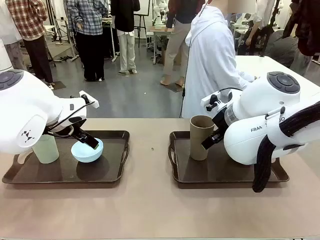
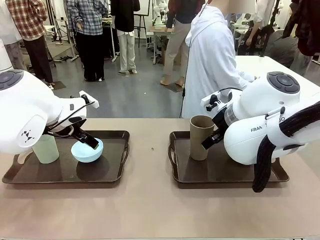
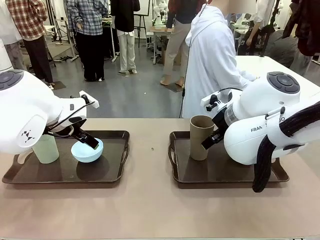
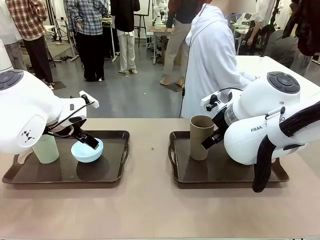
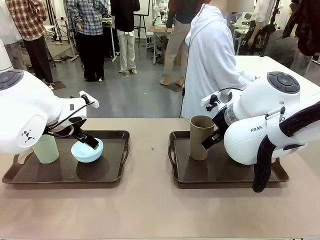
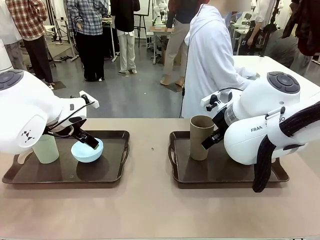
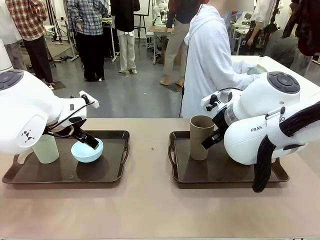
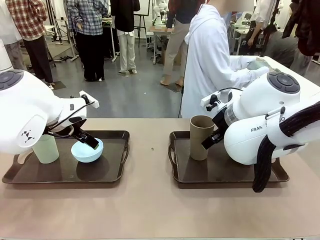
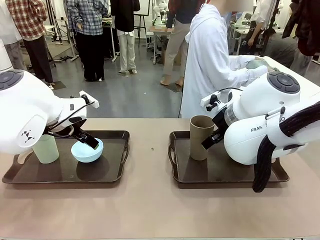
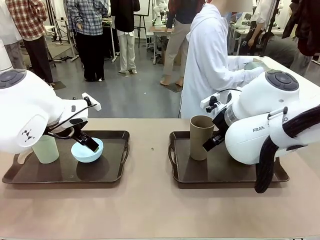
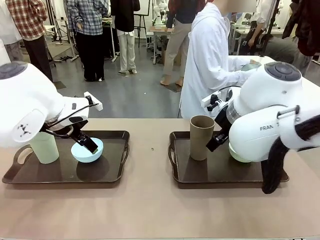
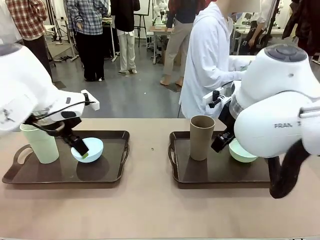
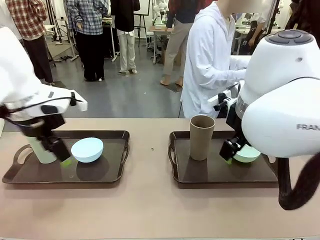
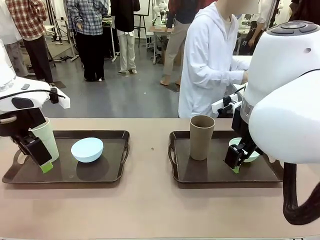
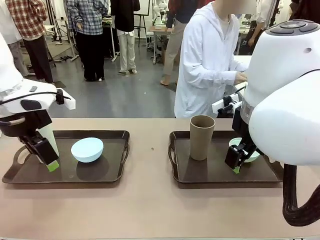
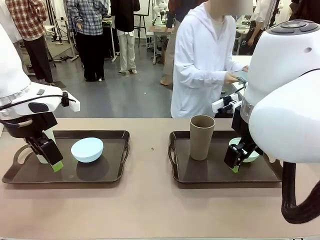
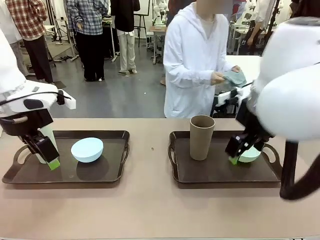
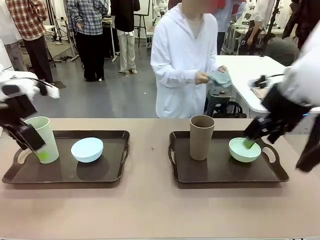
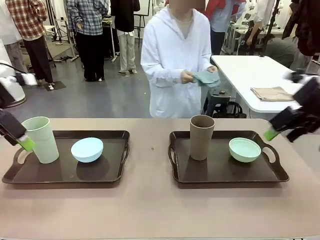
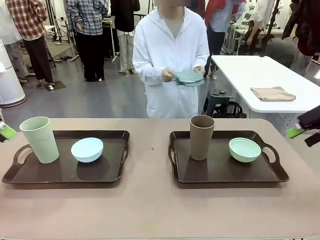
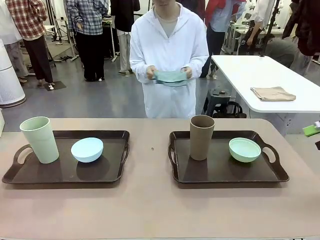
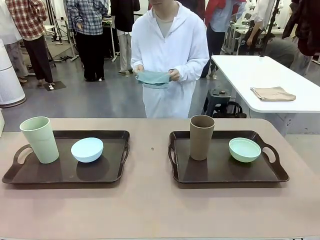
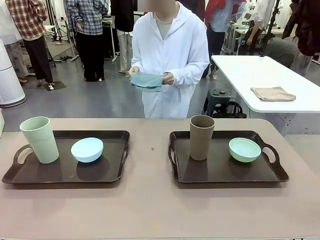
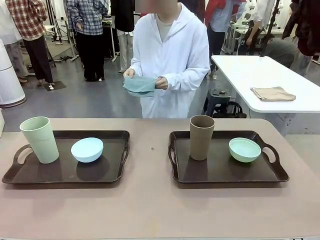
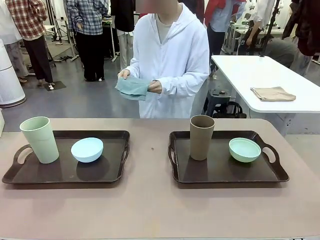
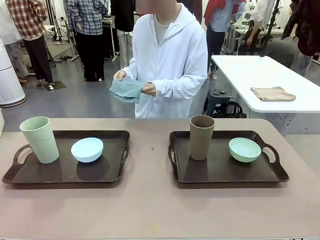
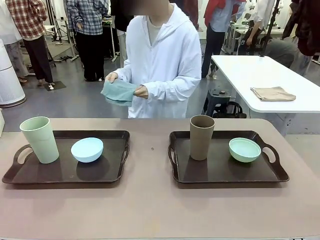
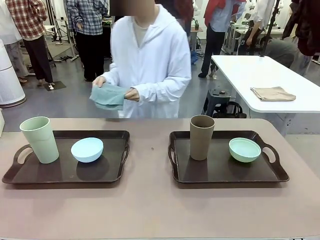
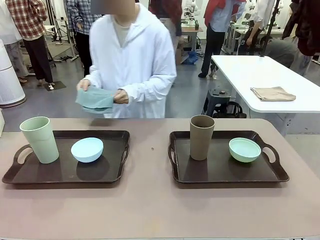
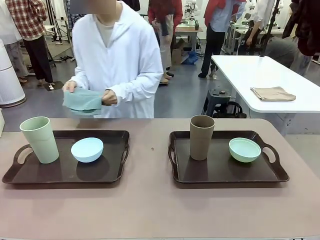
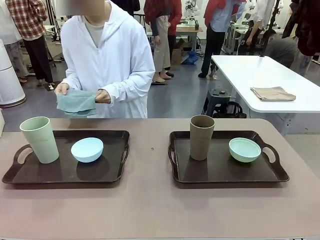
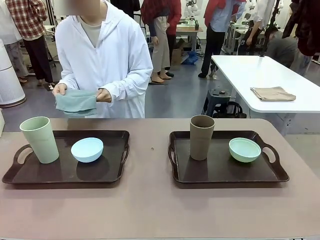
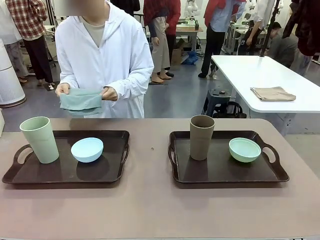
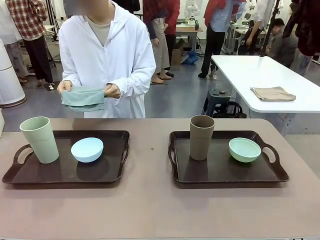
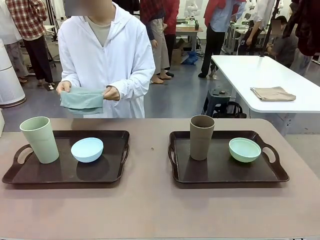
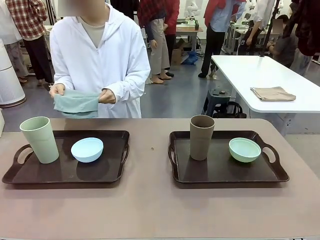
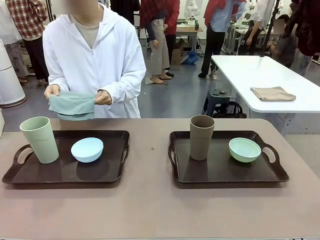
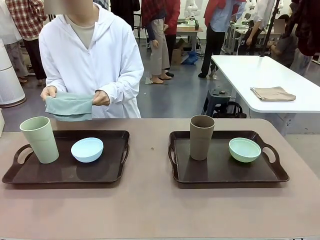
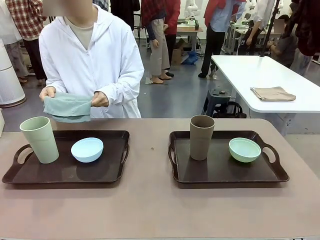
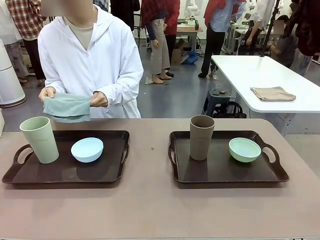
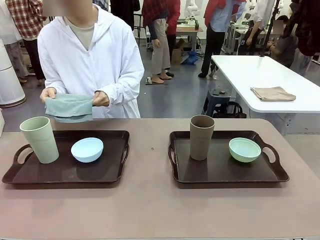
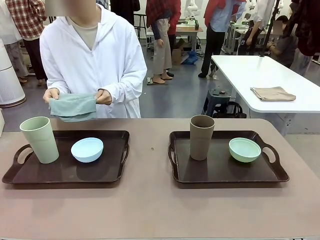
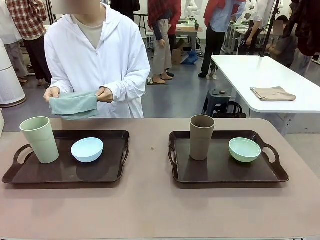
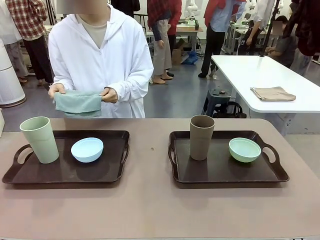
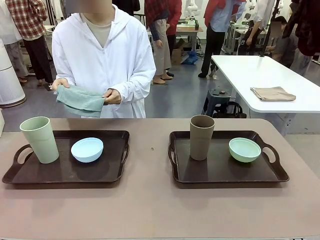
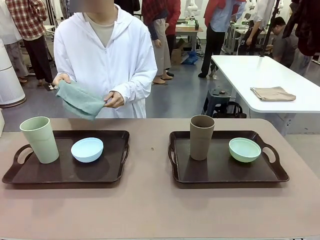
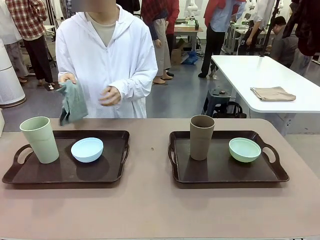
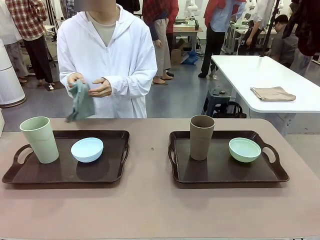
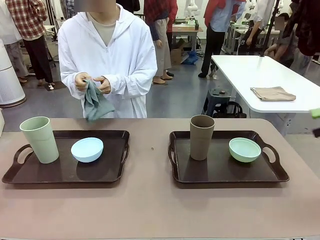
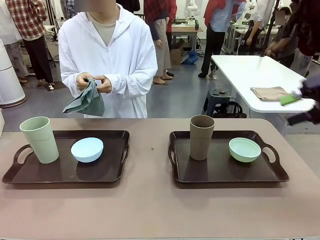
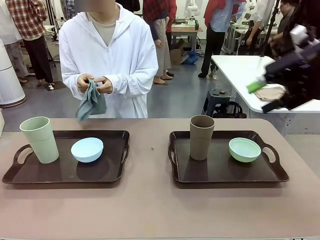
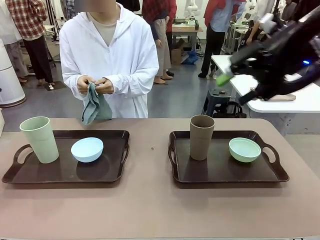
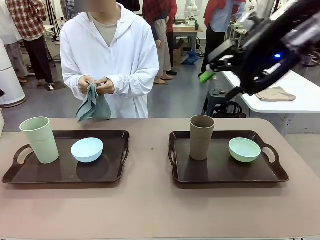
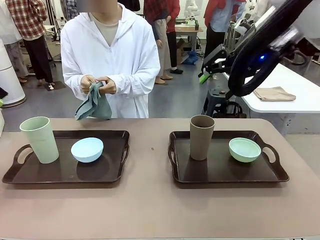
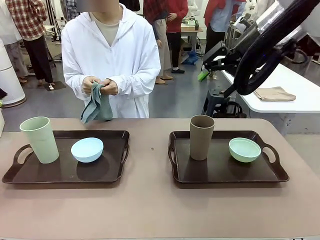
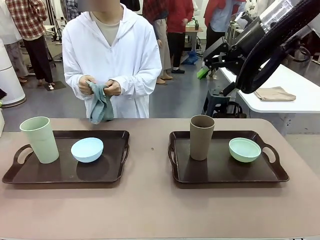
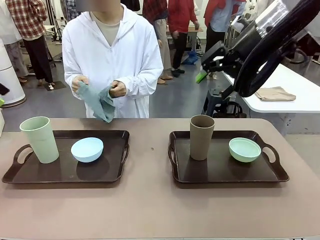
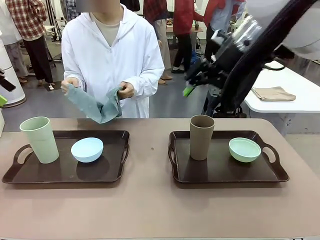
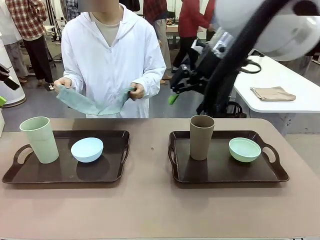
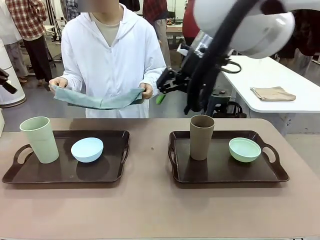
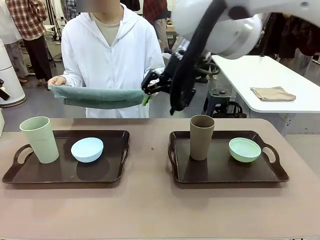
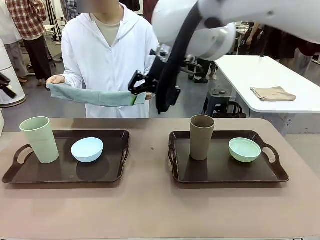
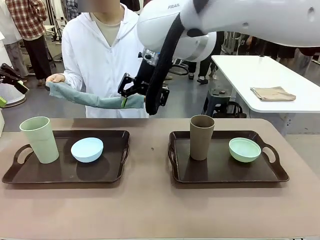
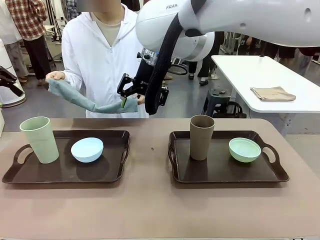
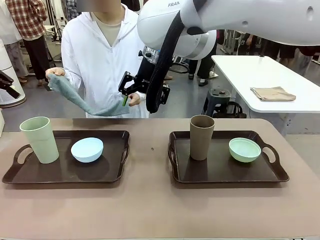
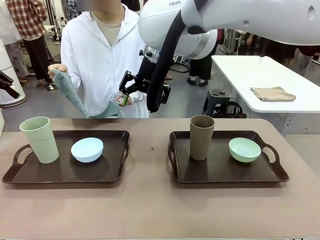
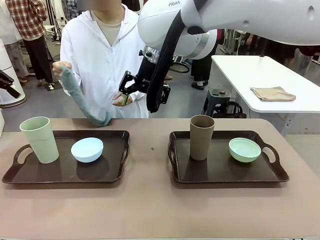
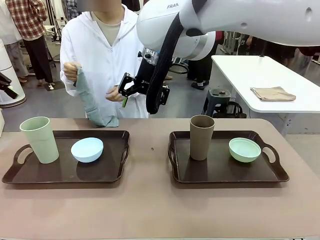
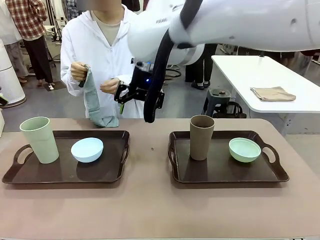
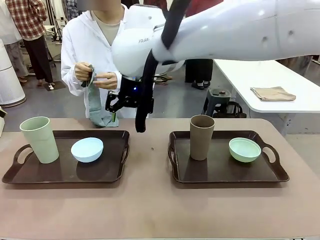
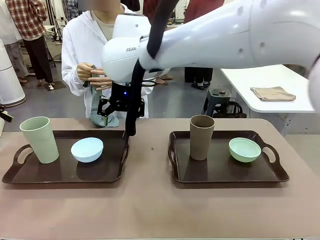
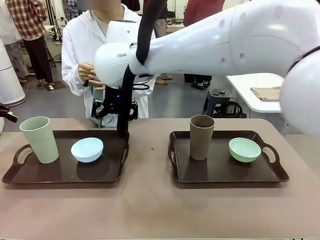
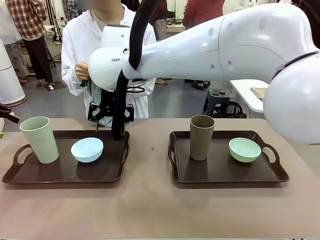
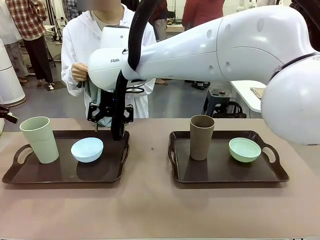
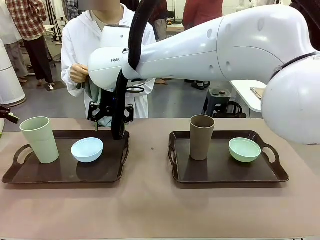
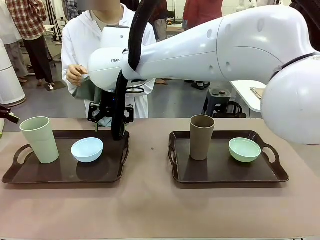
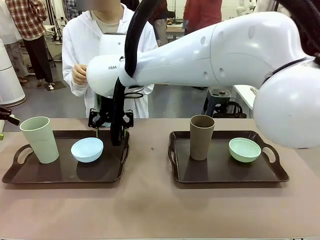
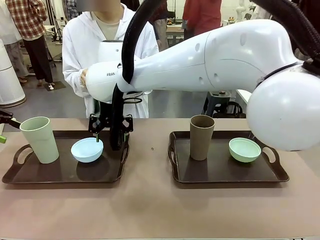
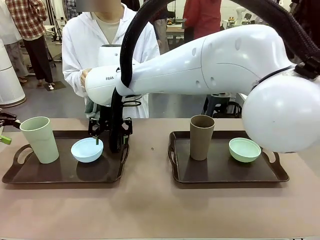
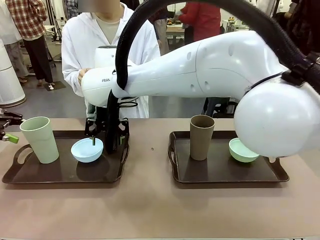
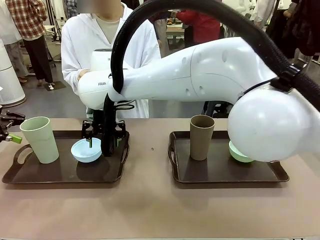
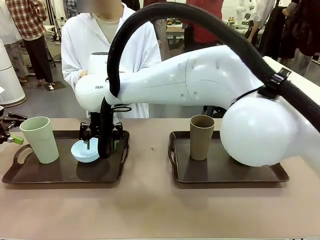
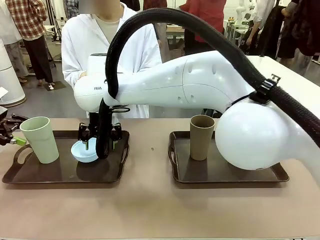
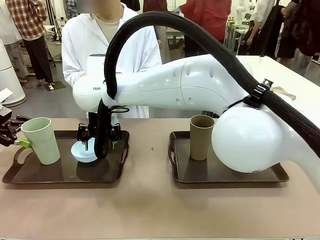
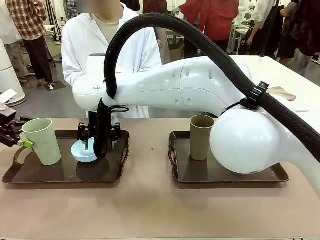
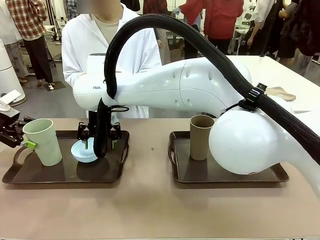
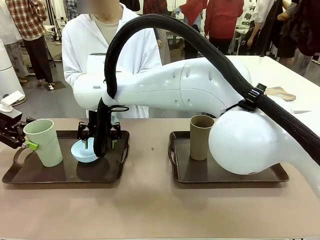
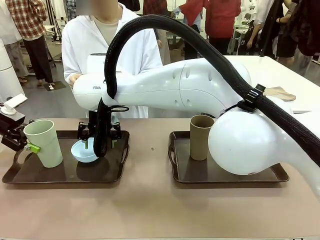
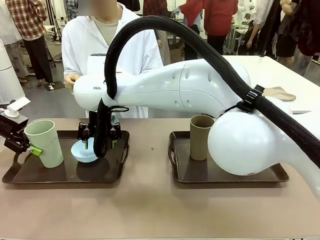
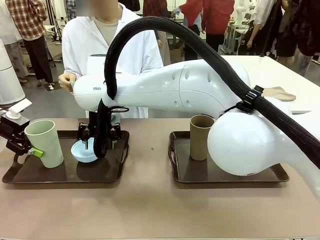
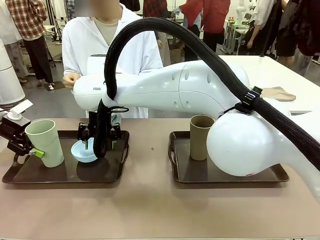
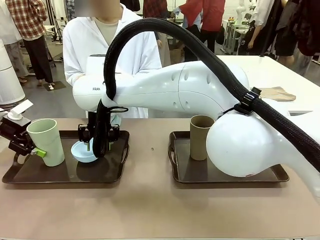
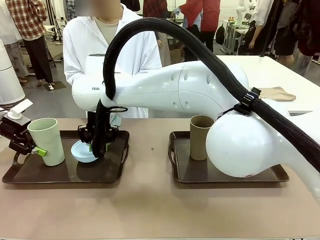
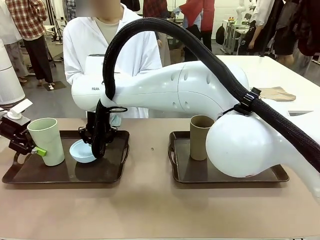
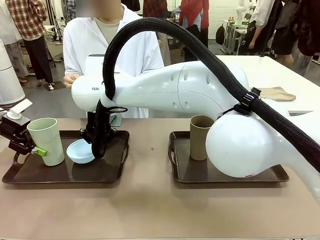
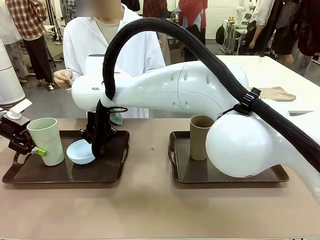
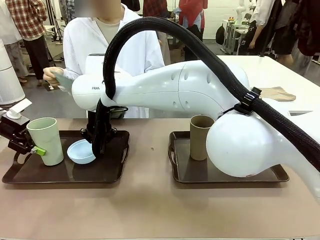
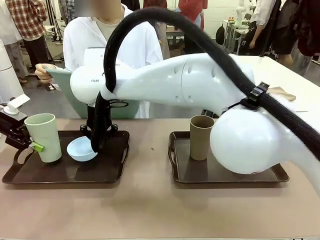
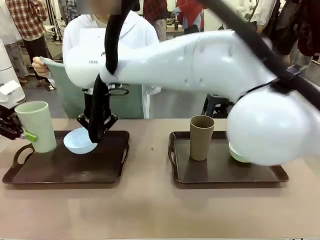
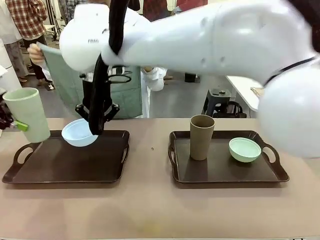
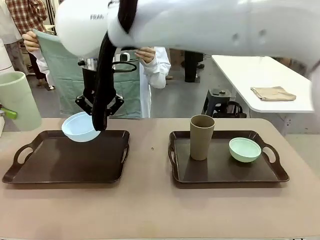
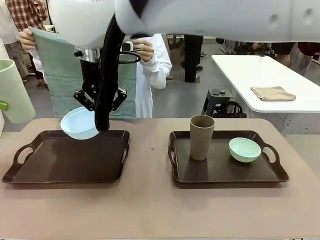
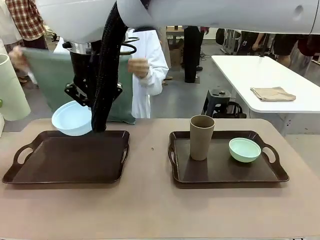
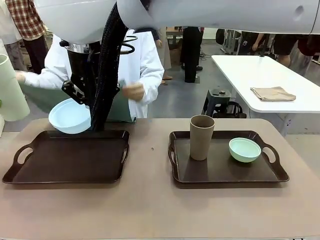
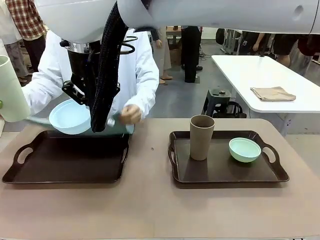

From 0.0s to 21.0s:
Robot: Pick up the Picnic Bowl and Reusable plastic cup from the Handle tray in front of the human's position and hold them in the air.
Person: The human picks up the top napkin from the stack on the human table and walks to the robot table to stand in front of one of the two trays. When the robot lifts the bowl and the cup, the human unfolds the napkin and lays the napkin flat on the tray.
